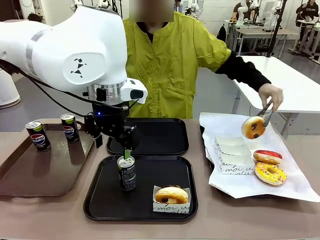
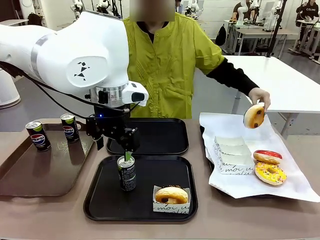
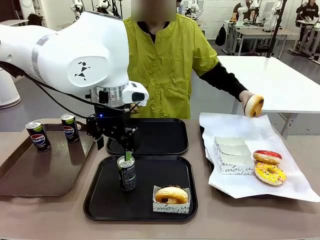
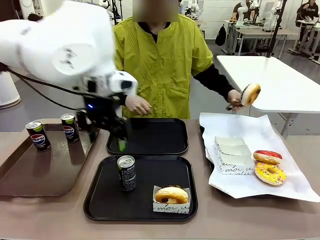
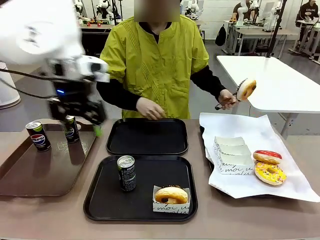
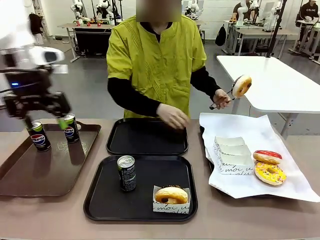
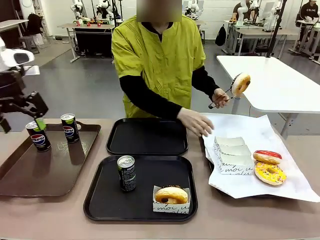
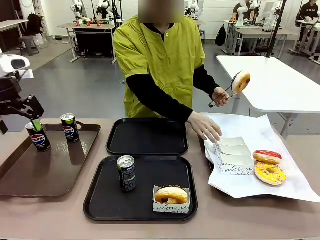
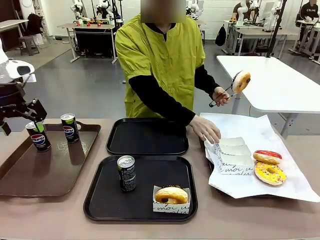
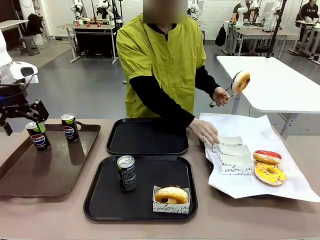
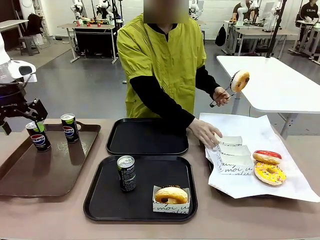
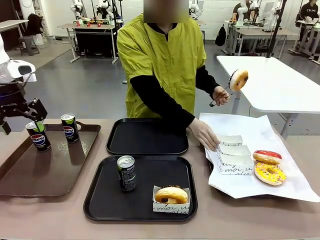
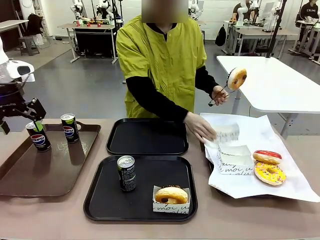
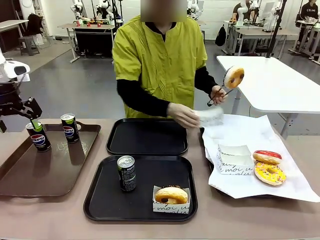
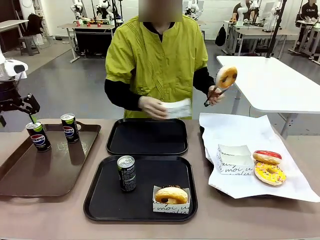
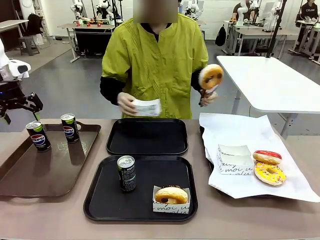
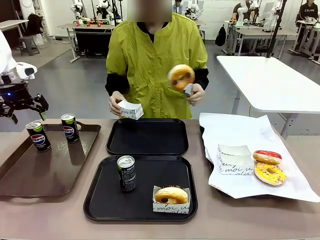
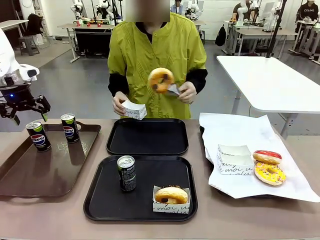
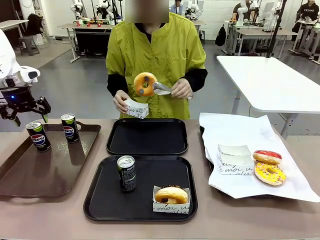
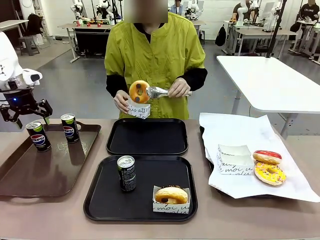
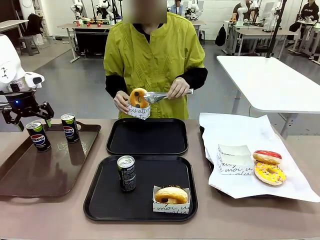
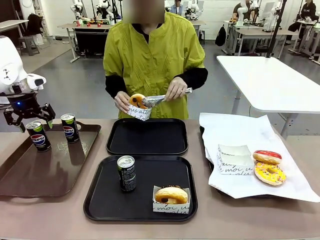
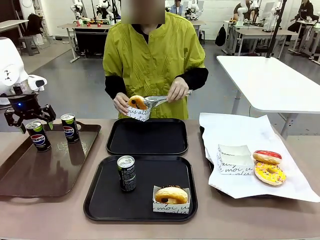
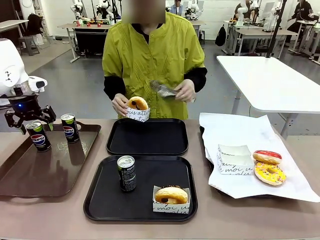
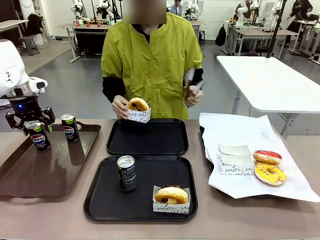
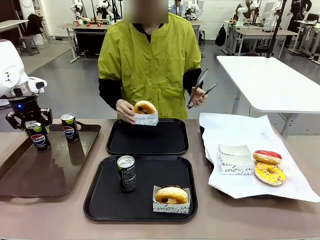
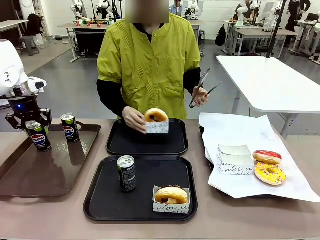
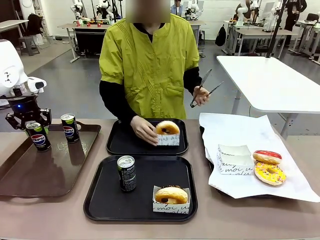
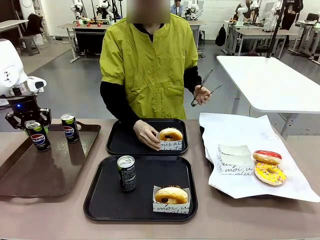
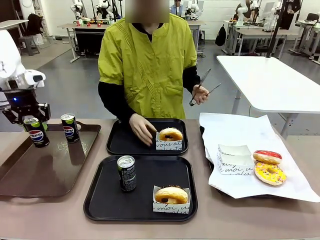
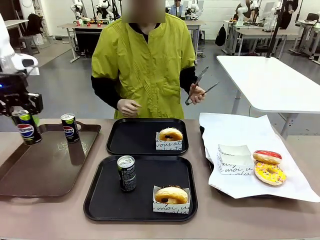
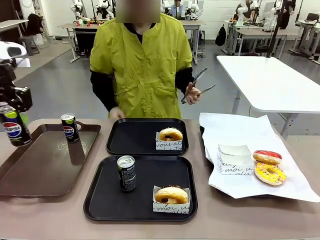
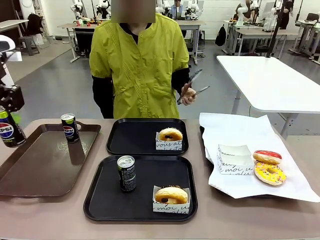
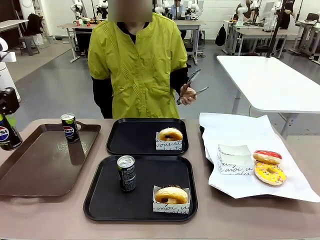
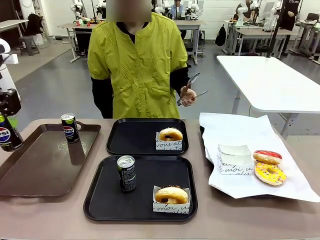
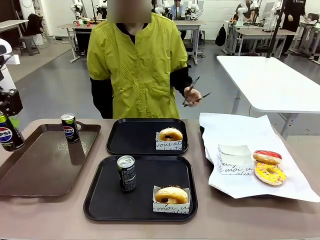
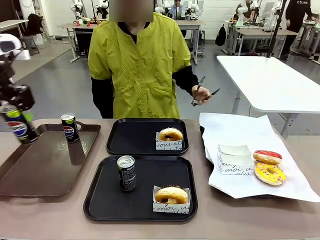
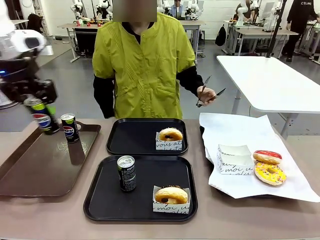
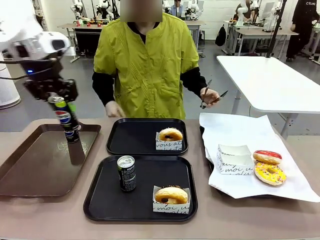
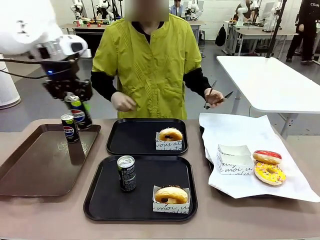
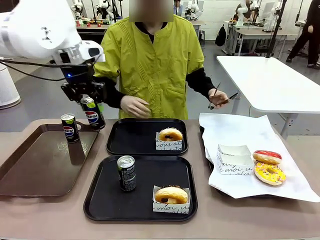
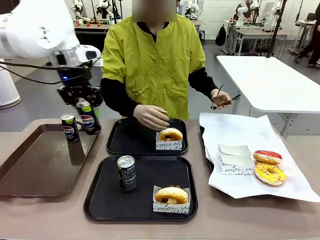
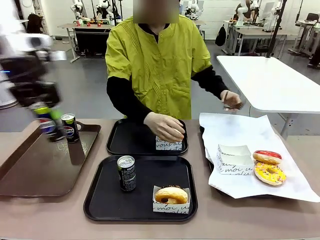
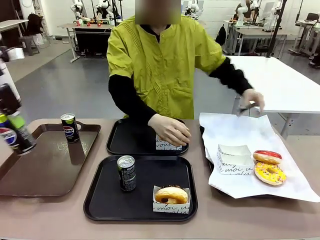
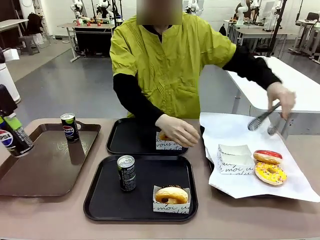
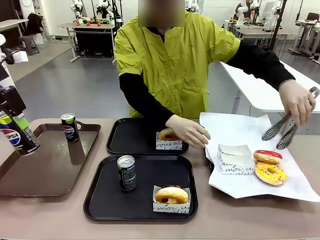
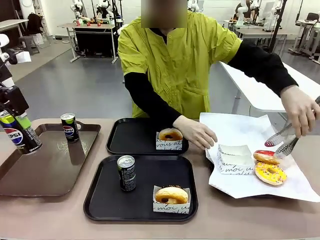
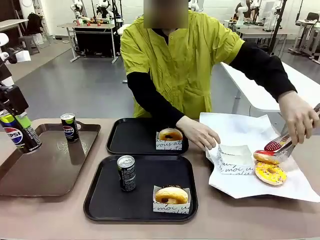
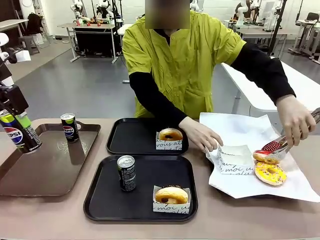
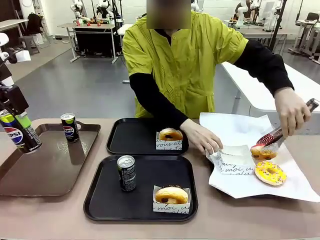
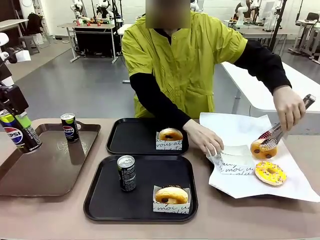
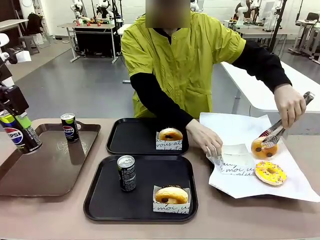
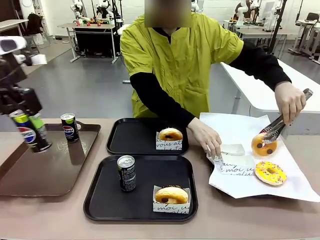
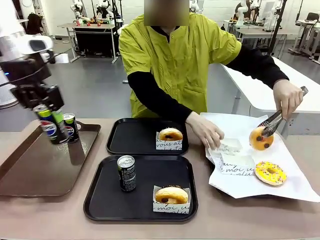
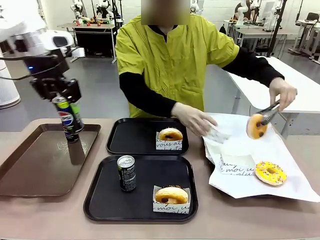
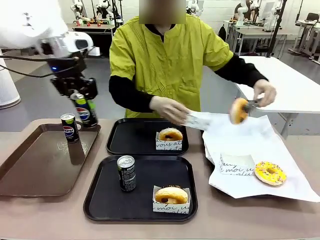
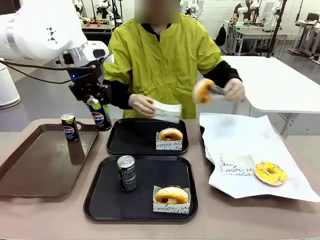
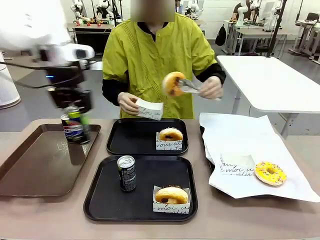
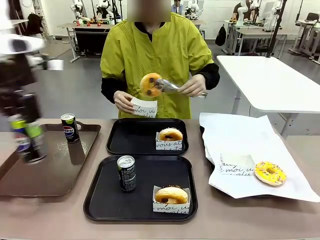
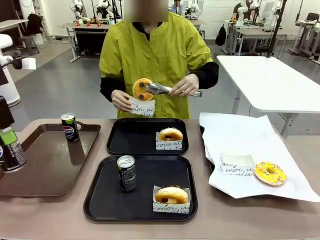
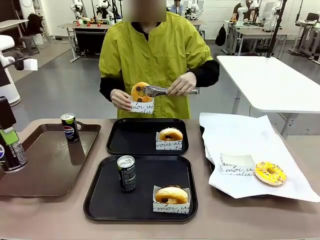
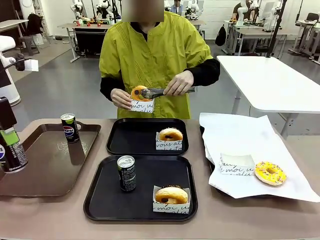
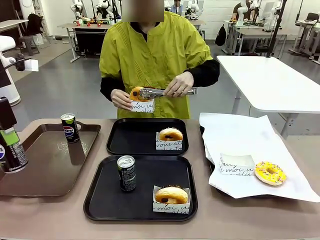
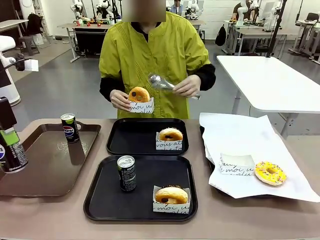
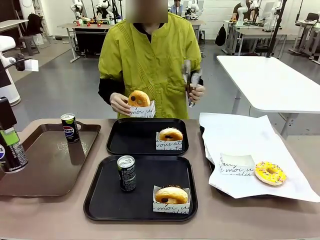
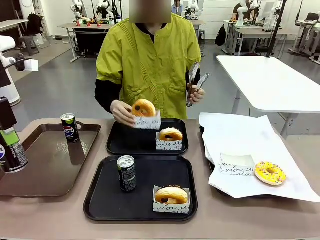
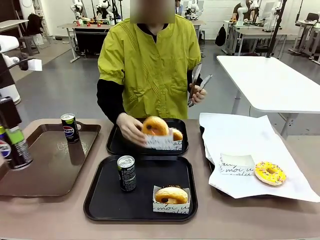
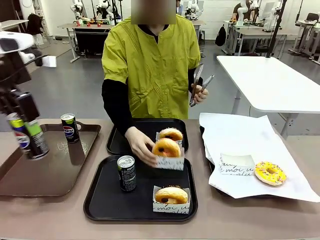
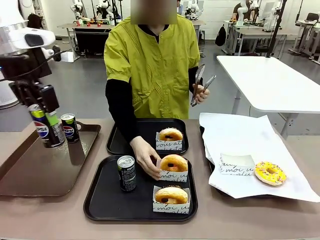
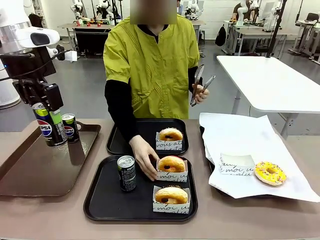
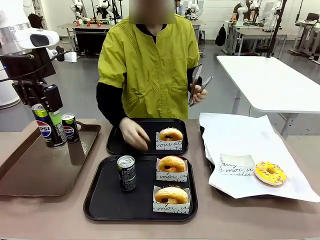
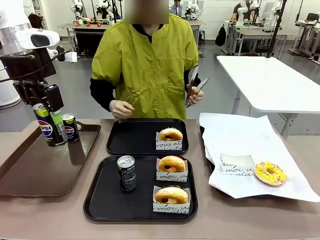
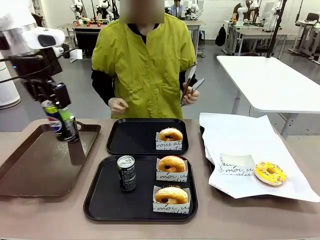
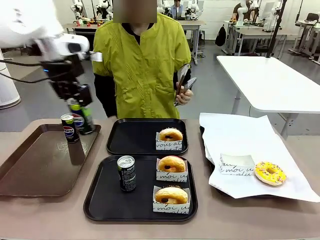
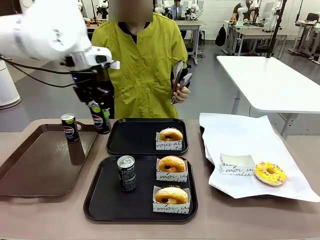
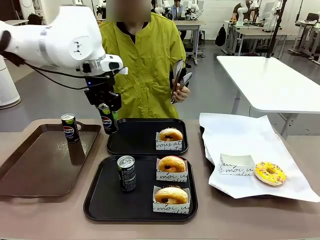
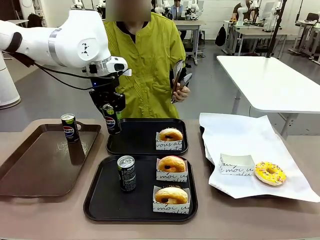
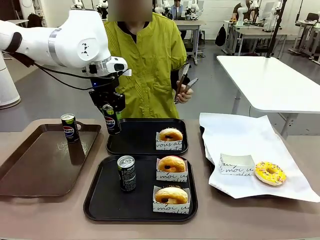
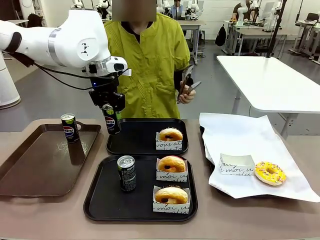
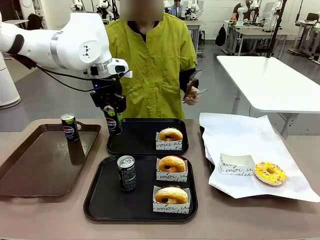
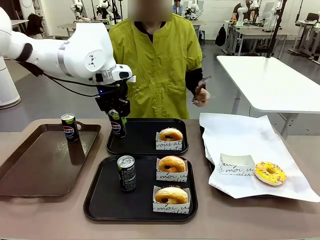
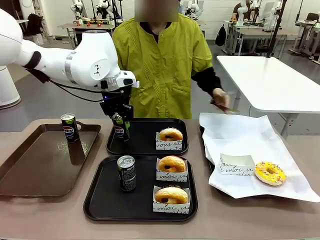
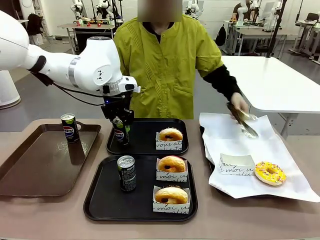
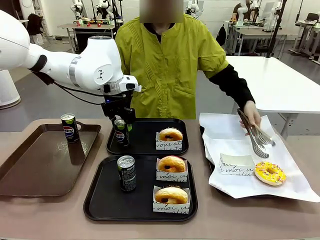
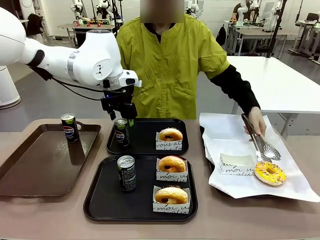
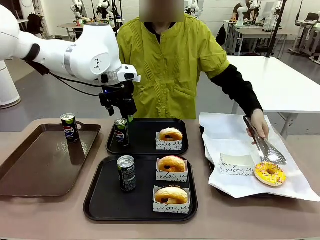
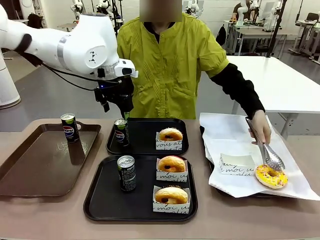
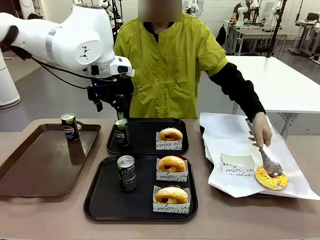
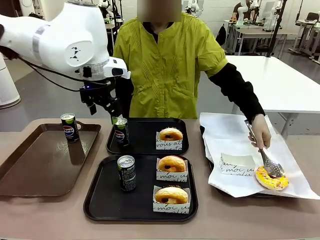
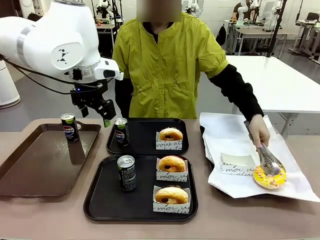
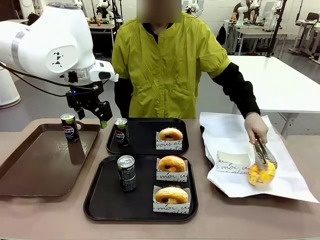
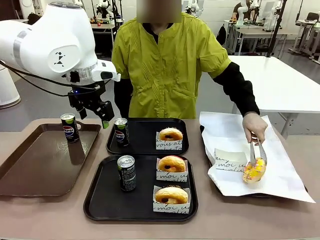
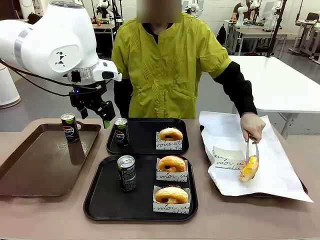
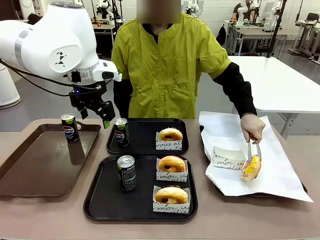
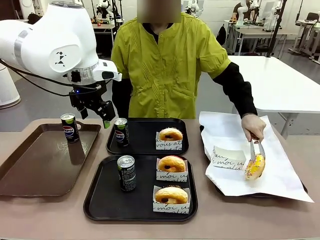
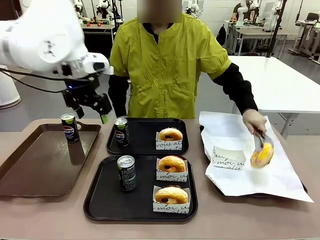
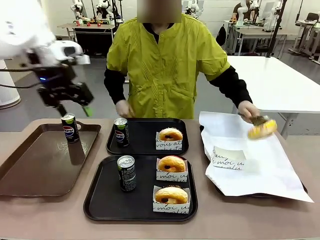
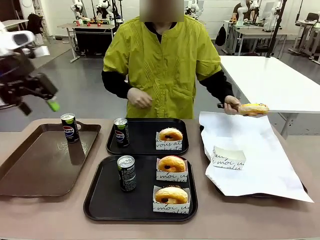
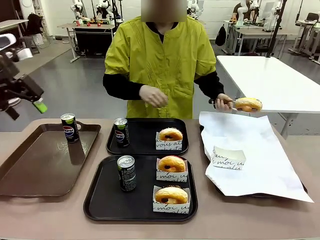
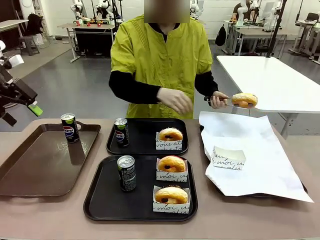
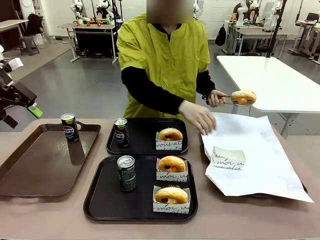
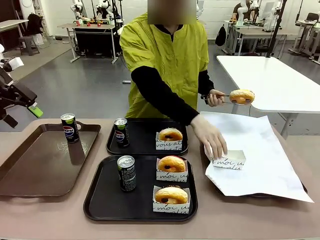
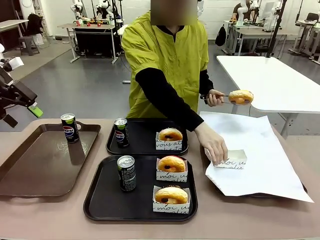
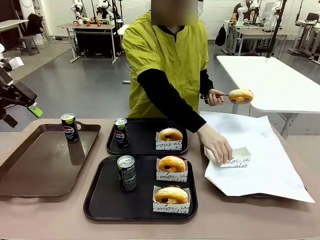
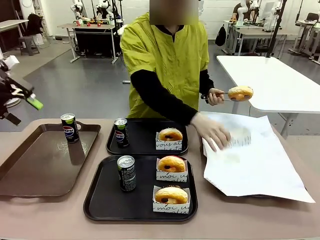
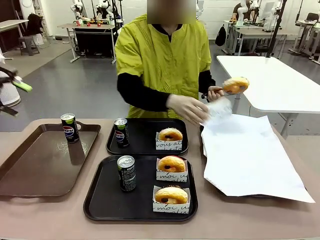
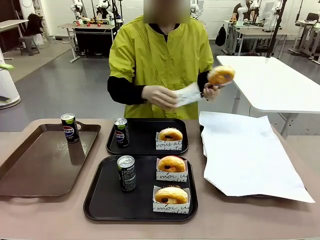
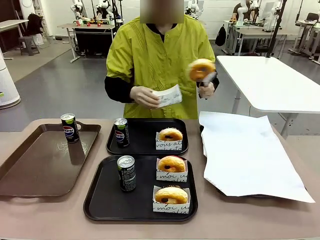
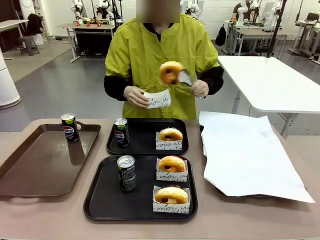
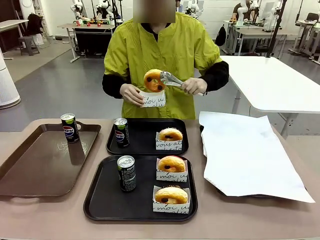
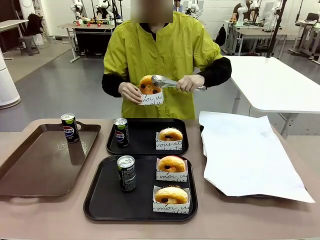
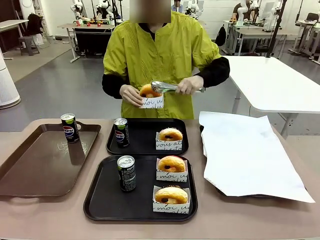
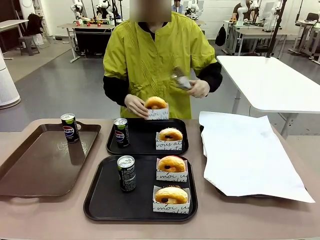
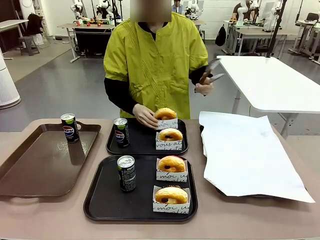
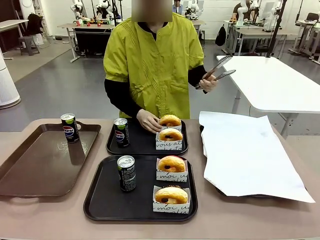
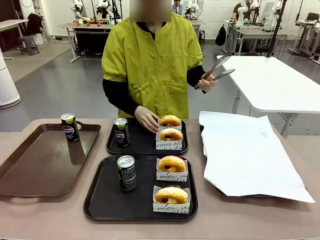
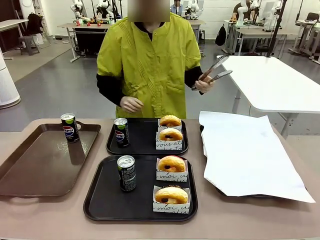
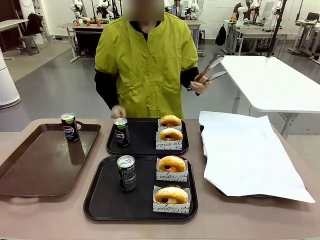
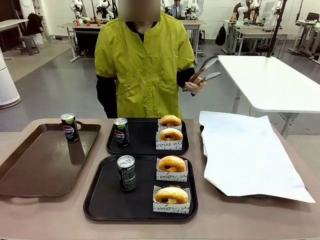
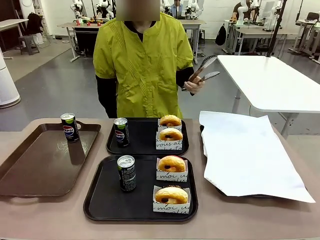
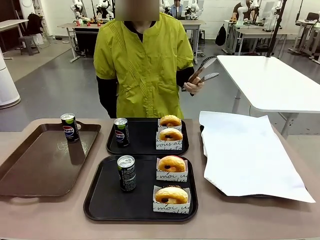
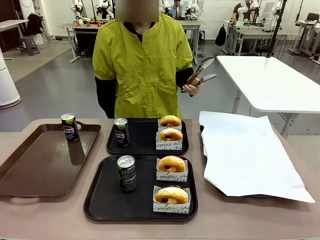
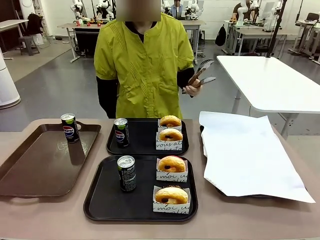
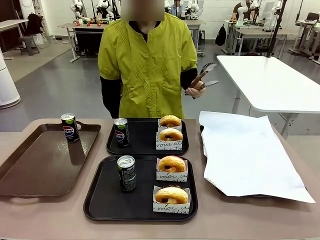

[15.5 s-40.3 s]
Task: Set up donuts and drinks on trays.
Robot: Pick up one Pepsi coke from the Handle tray and place it on the Flat Tray without a Pepsi coke.
Person: Pick up one donut with tongs, place it in the donut tray, and then place the donut tray on the flat tray.
